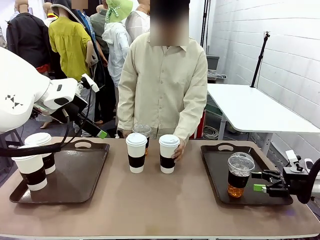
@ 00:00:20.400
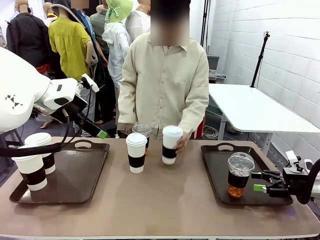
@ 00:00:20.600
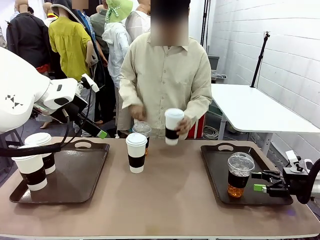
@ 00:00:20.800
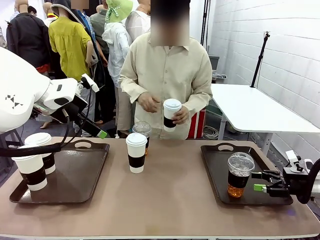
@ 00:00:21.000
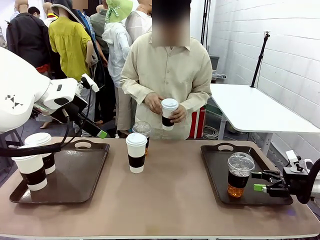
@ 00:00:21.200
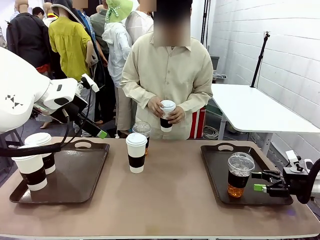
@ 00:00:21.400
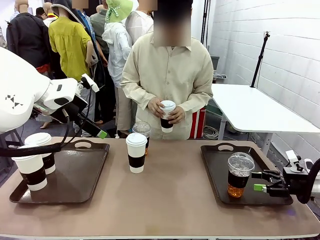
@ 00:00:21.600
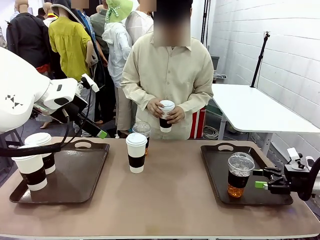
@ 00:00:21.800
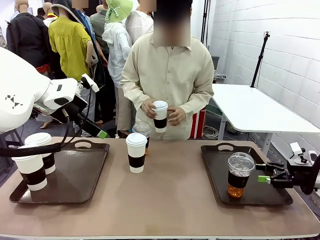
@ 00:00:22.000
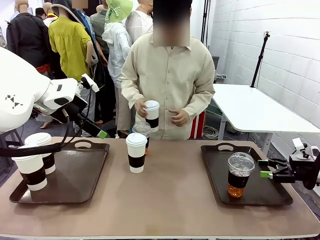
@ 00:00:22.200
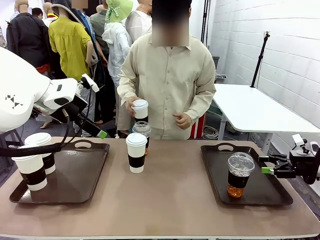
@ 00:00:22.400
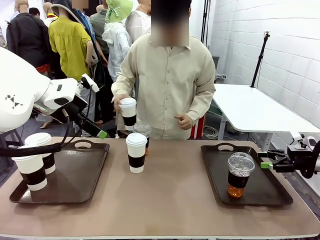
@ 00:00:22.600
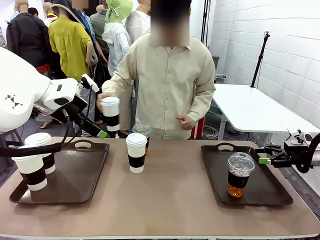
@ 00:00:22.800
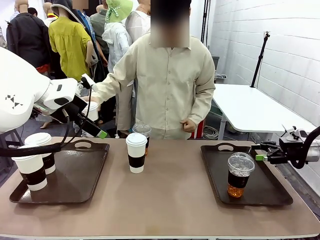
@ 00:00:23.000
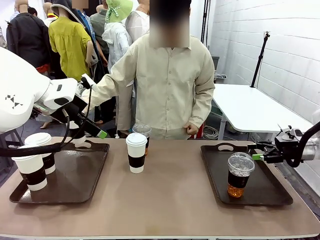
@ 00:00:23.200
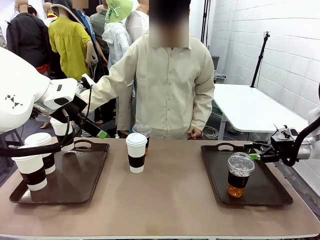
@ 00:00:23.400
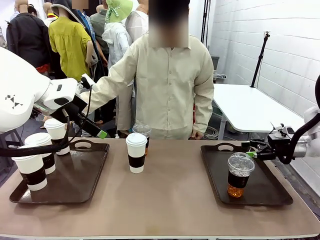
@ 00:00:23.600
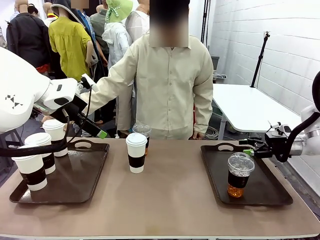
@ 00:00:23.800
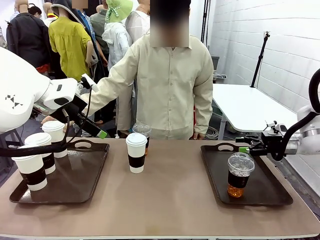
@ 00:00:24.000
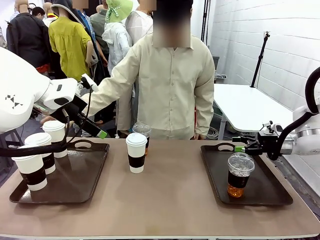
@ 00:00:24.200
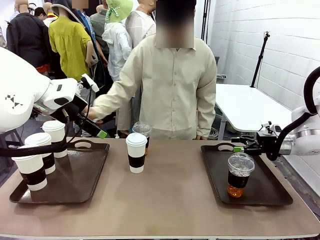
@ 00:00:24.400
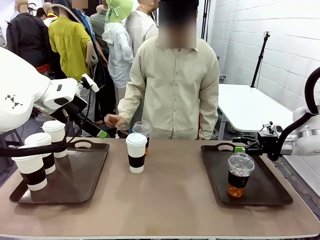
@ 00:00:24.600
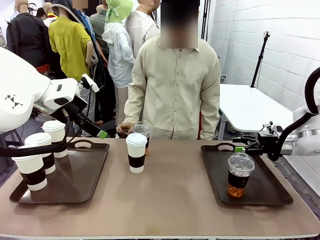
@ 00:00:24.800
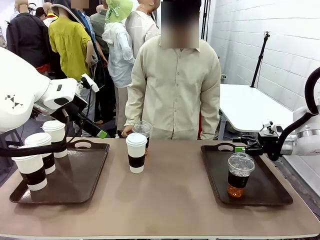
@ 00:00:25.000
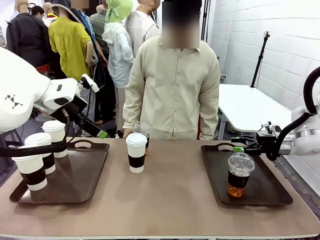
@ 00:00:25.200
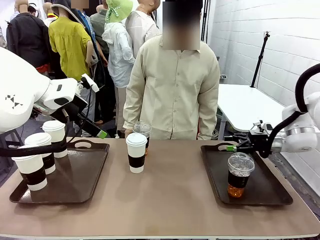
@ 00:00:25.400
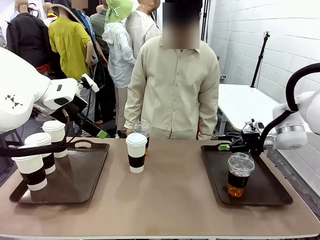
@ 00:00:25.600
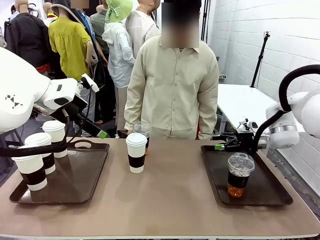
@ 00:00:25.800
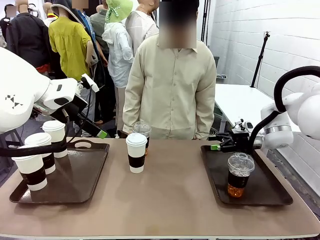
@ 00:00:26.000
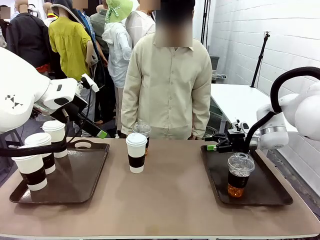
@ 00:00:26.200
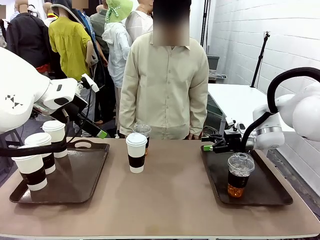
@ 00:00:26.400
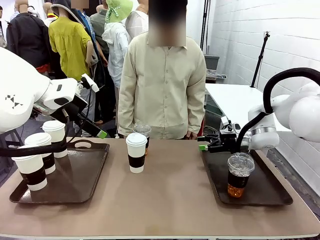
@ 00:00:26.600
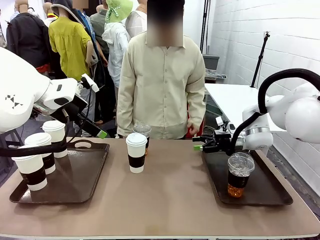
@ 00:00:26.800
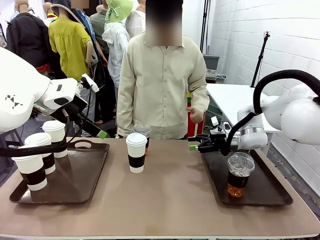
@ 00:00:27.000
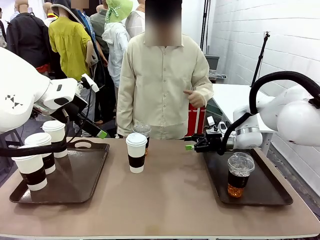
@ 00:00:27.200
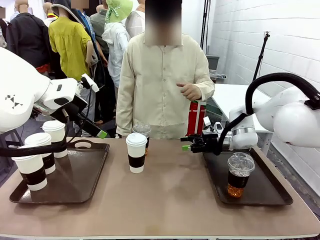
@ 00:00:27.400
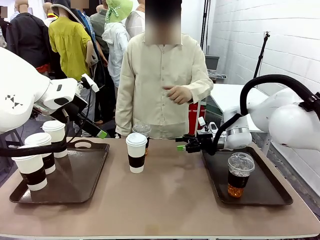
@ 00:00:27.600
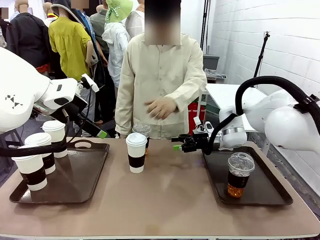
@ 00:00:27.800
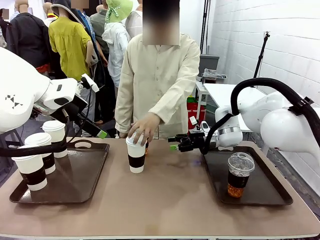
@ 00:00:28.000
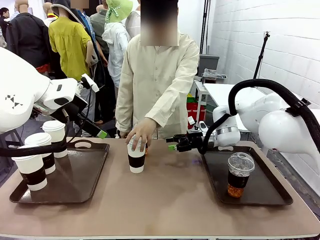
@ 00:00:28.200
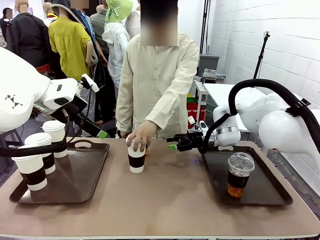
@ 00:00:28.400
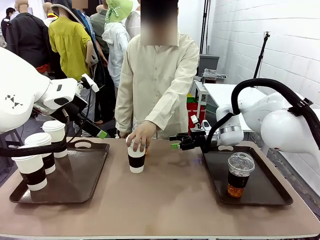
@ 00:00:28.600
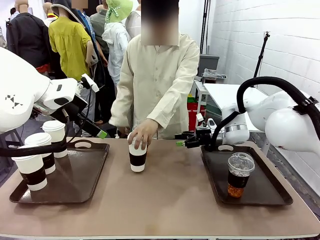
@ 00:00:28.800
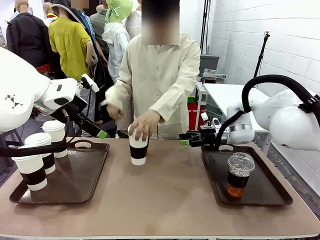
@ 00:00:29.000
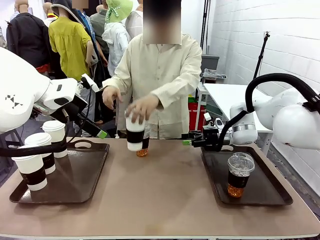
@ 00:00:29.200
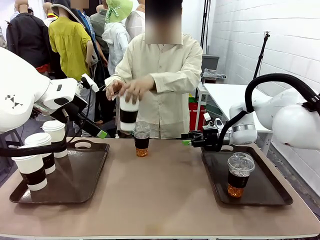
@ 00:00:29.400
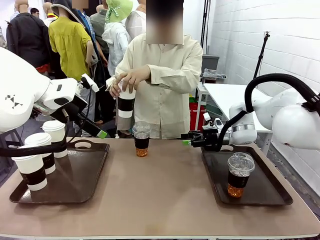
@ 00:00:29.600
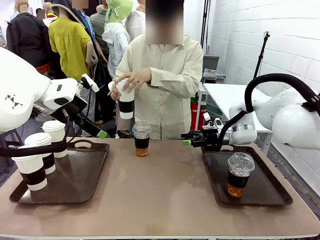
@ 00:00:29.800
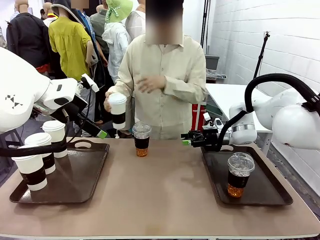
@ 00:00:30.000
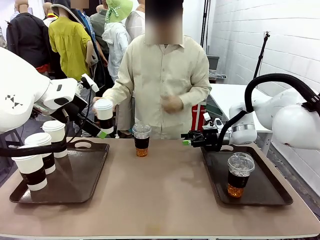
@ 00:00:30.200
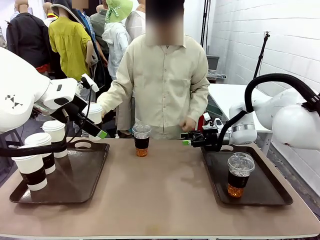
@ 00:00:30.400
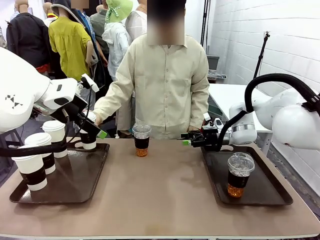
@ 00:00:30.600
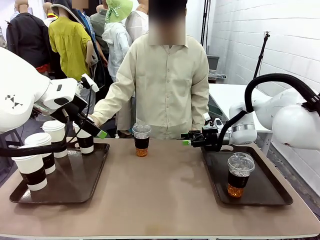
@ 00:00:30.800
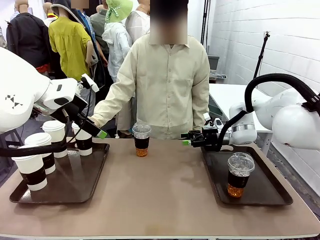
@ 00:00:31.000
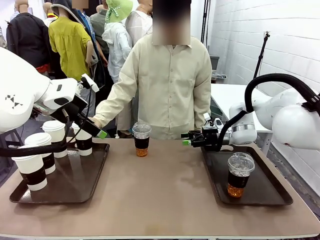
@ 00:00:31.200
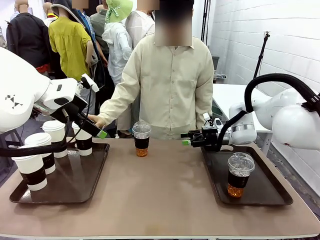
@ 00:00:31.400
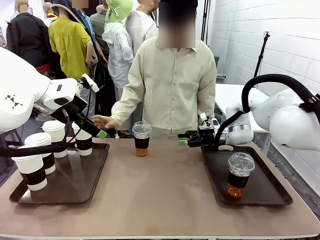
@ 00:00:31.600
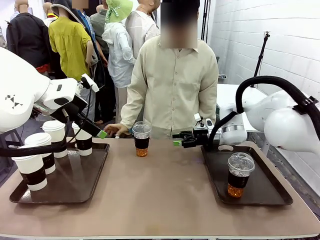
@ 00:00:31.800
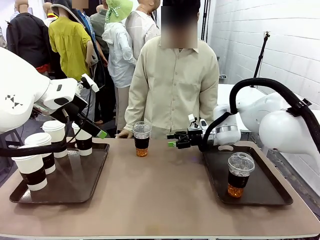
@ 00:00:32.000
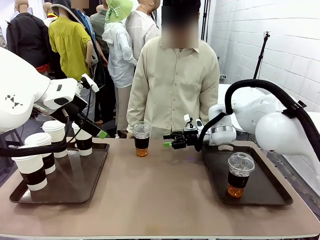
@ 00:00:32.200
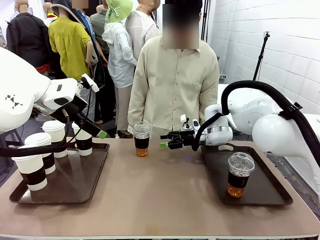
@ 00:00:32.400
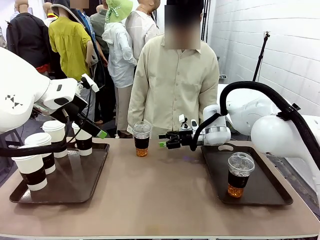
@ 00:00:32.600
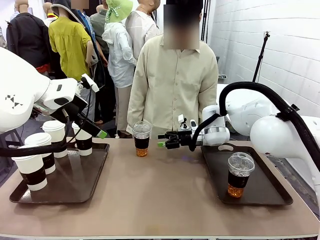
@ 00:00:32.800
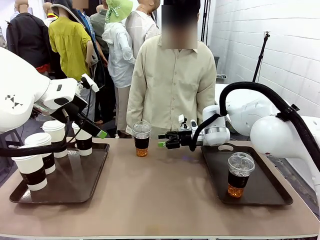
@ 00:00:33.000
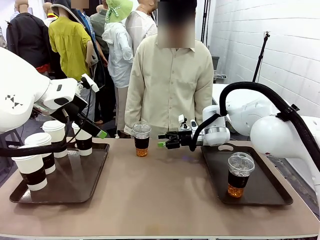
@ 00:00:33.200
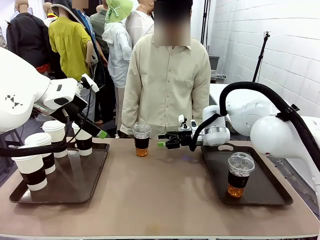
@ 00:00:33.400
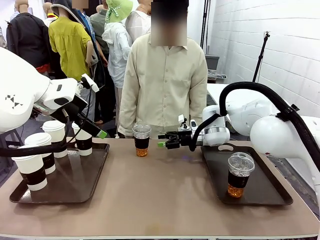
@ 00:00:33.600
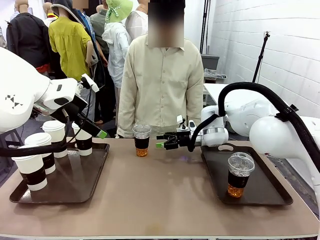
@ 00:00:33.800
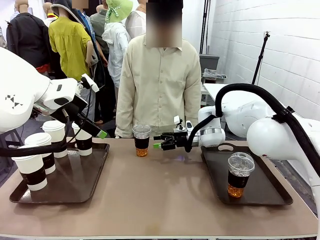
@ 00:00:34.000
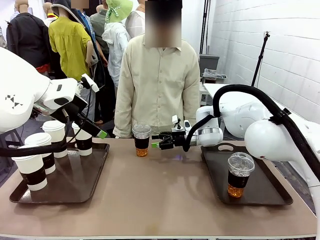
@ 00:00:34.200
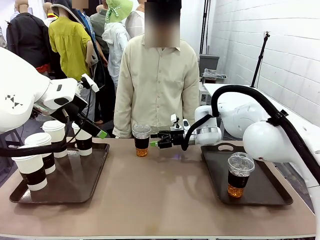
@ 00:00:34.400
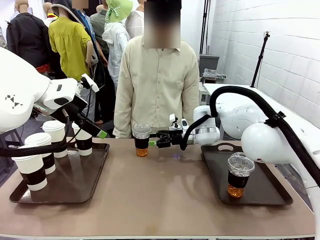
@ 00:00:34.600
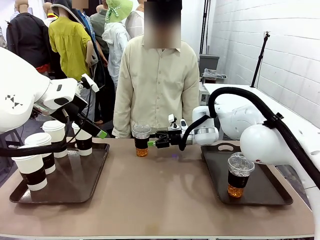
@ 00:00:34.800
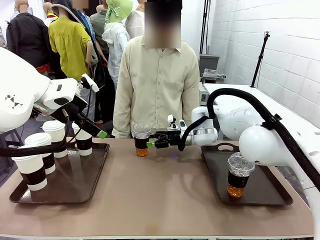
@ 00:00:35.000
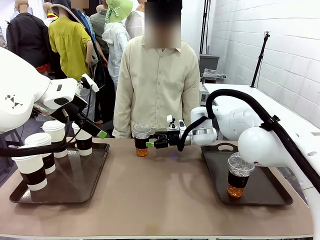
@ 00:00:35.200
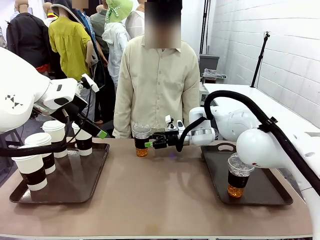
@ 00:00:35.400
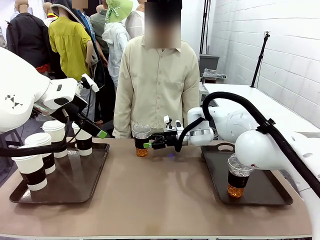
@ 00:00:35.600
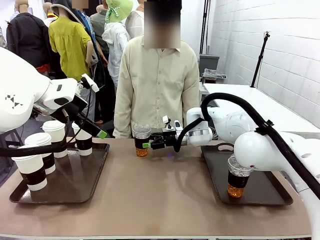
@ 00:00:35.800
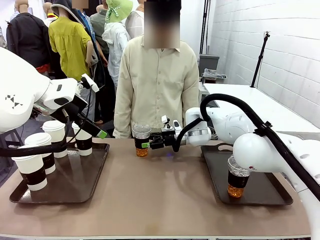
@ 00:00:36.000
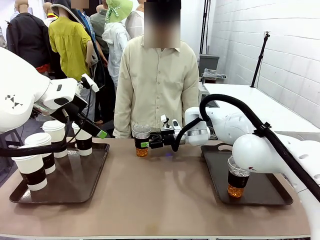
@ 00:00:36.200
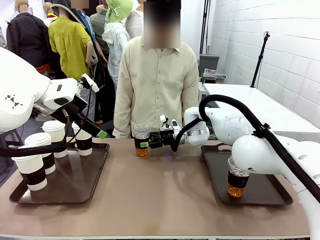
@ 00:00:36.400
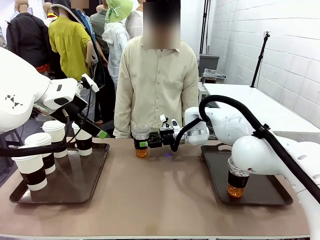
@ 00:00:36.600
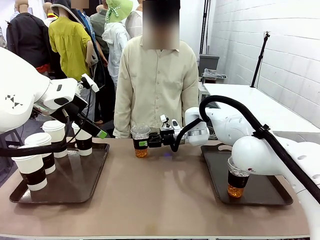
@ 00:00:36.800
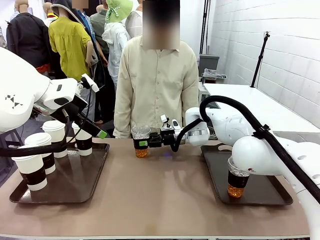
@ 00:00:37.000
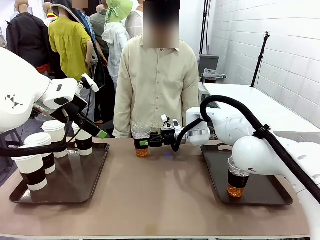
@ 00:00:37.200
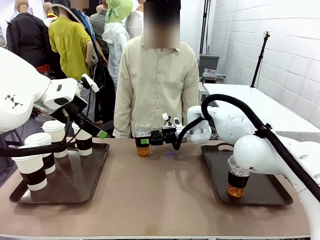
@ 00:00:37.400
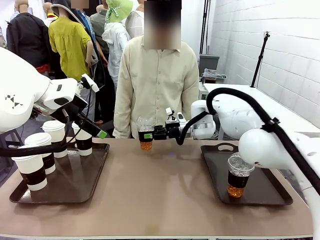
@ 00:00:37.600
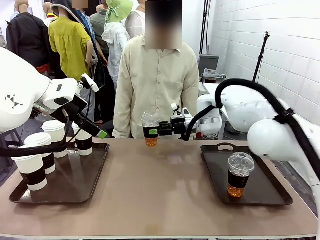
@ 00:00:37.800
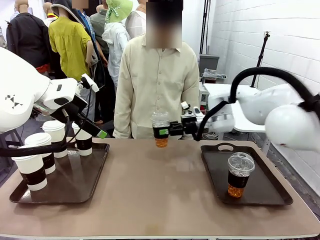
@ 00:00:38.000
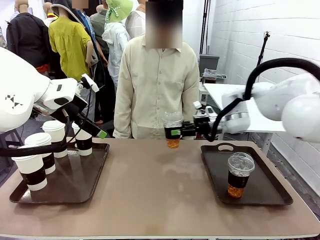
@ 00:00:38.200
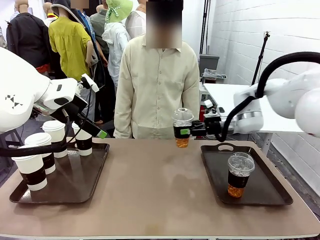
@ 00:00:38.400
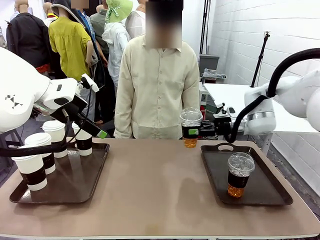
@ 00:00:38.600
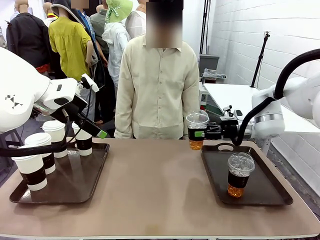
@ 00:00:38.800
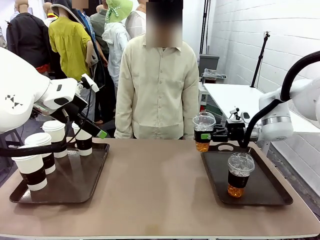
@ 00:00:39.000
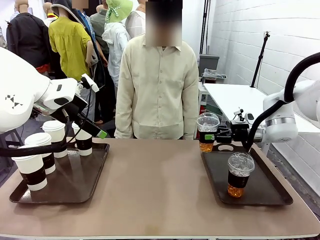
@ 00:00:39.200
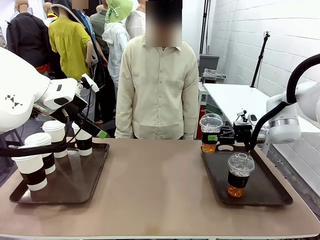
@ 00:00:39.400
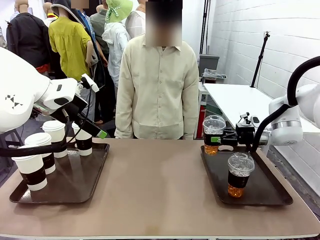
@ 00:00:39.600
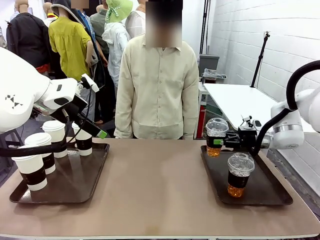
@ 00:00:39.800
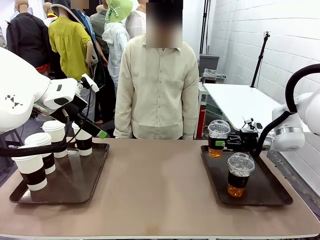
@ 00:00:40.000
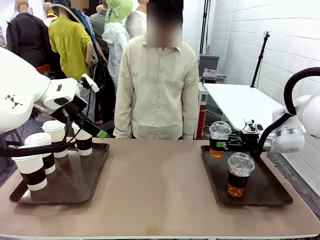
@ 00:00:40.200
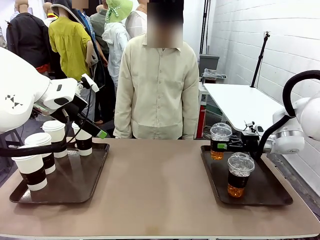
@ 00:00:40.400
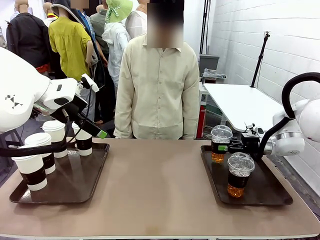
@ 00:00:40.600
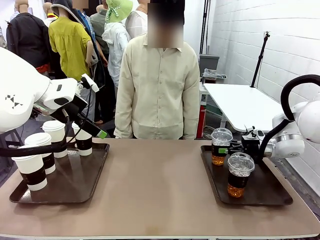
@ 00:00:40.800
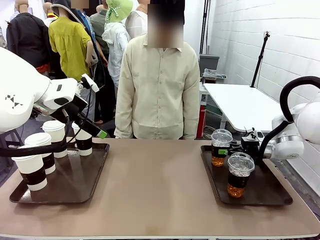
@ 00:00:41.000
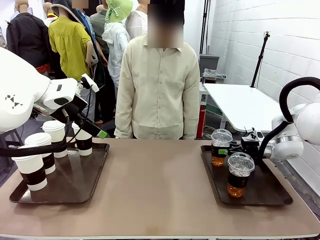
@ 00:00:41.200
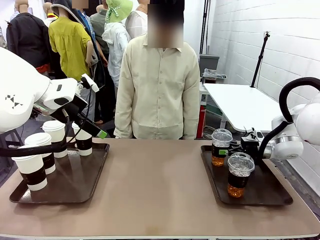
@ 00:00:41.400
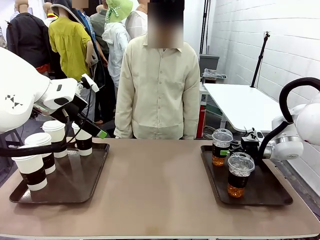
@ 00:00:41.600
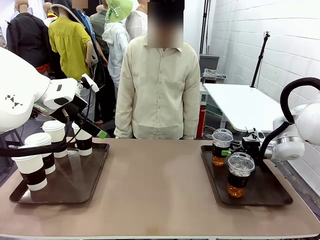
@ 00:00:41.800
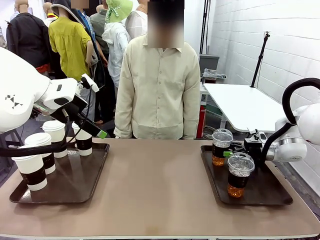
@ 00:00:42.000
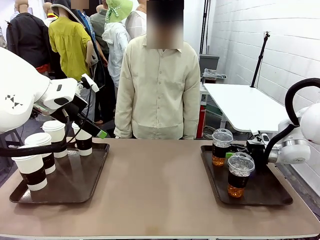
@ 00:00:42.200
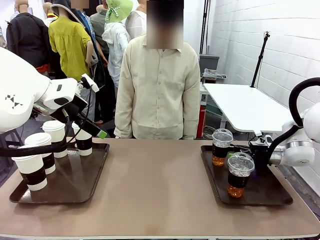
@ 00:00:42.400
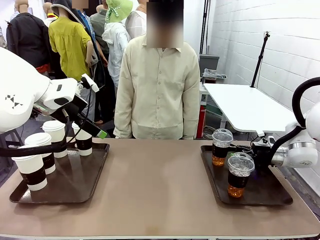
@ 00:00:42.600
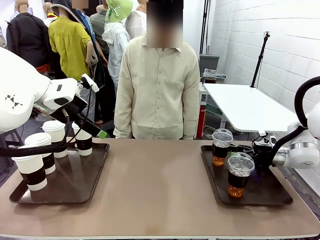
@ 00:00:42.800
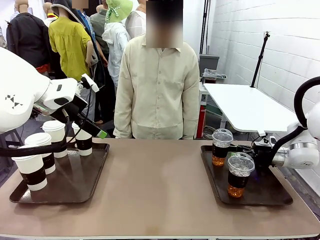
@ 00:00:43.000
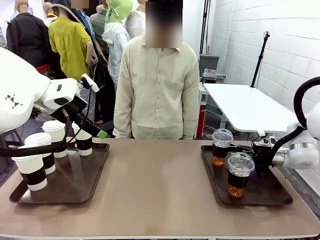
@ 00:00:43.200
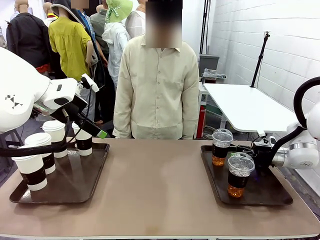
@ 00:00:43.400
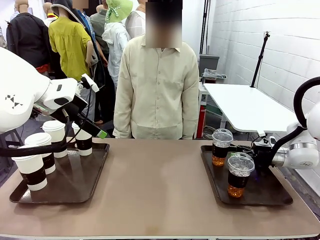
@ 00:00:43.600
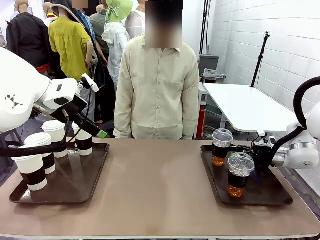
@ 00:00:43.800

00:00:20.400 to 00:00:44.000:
Task: Distribute the coffee onto the tray.
Robot: Pick up another iced Americano from the middle of the table and place it on the right Handle tray.
Person: Pick up a cup of hot Americano from the middle of the table and place it on the right tray.
